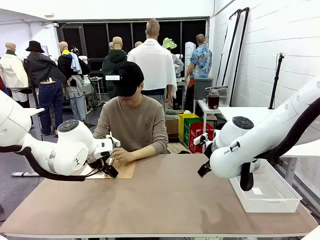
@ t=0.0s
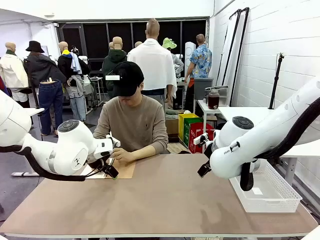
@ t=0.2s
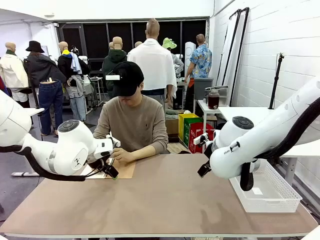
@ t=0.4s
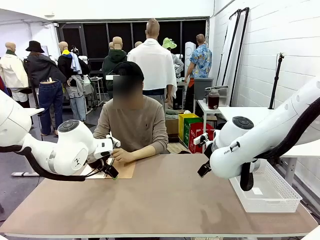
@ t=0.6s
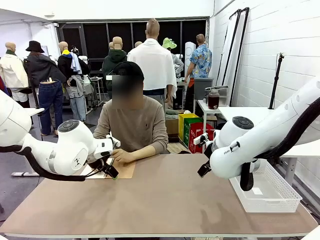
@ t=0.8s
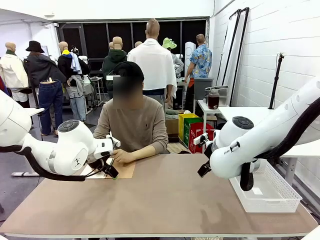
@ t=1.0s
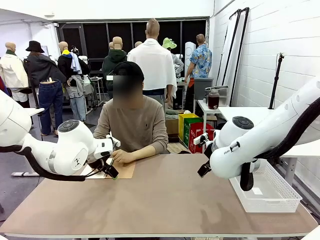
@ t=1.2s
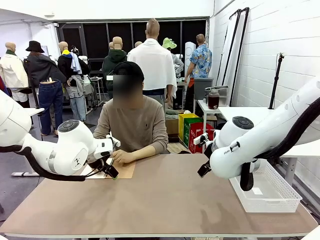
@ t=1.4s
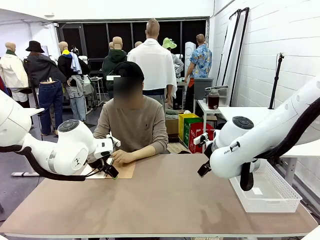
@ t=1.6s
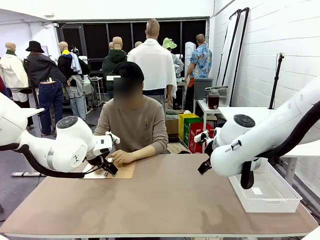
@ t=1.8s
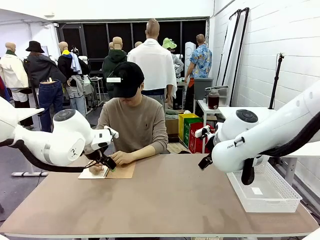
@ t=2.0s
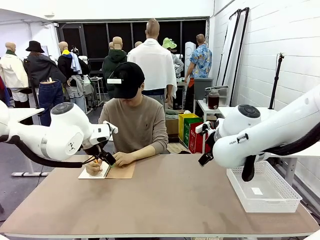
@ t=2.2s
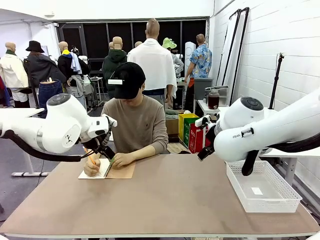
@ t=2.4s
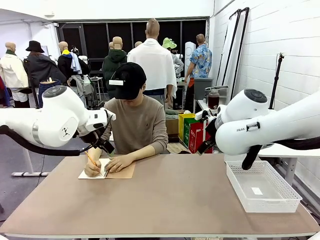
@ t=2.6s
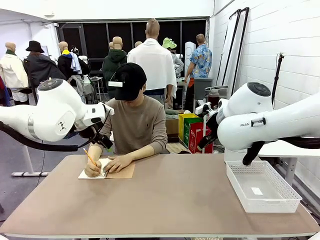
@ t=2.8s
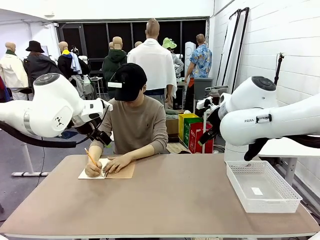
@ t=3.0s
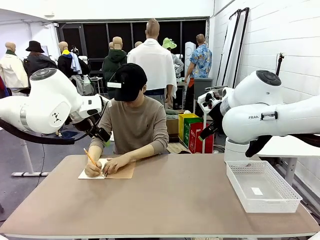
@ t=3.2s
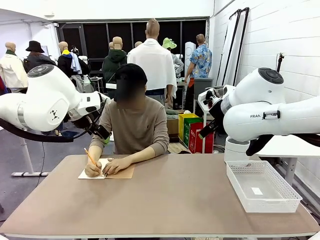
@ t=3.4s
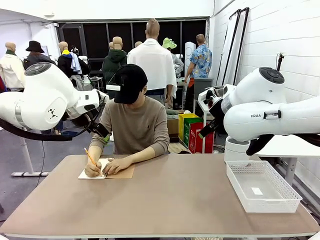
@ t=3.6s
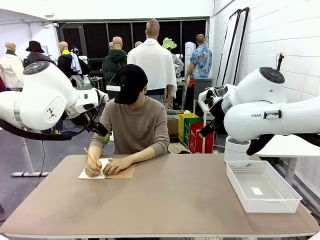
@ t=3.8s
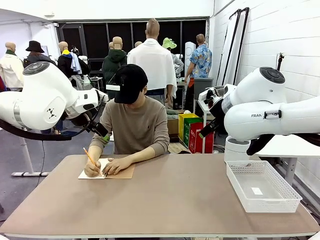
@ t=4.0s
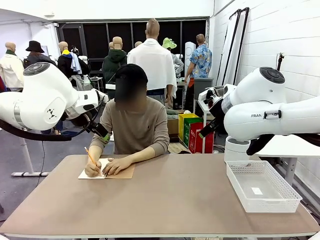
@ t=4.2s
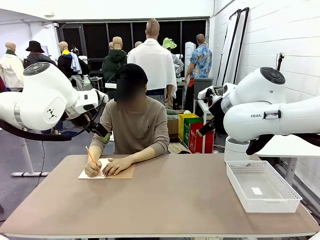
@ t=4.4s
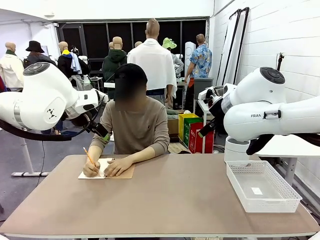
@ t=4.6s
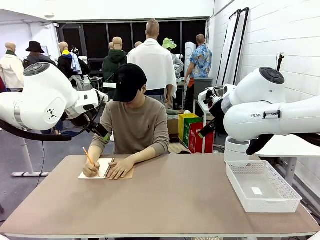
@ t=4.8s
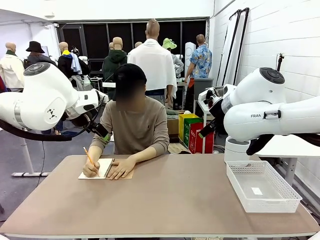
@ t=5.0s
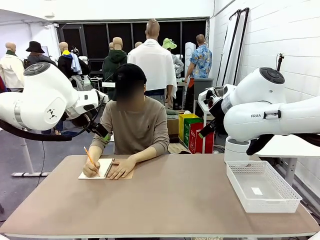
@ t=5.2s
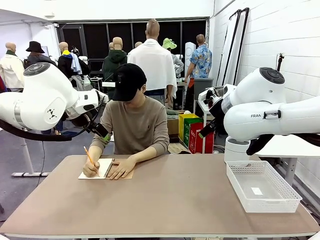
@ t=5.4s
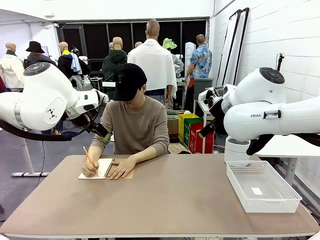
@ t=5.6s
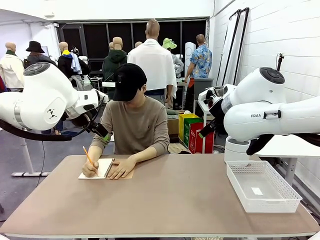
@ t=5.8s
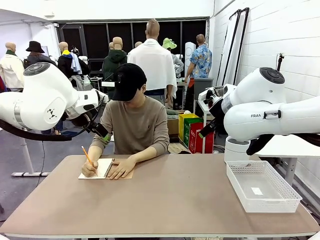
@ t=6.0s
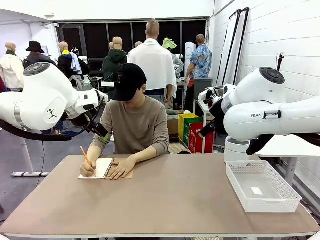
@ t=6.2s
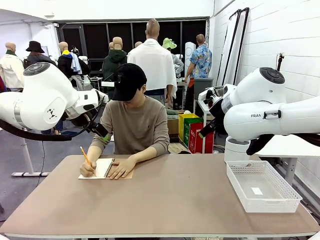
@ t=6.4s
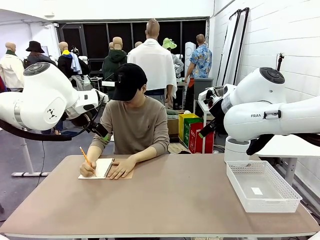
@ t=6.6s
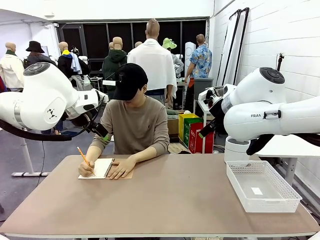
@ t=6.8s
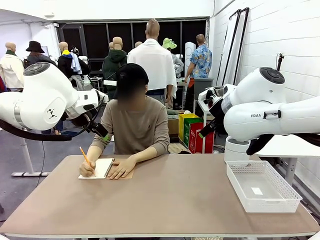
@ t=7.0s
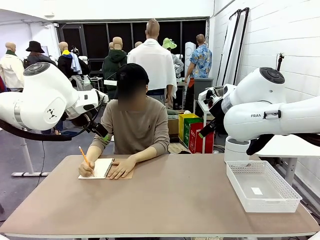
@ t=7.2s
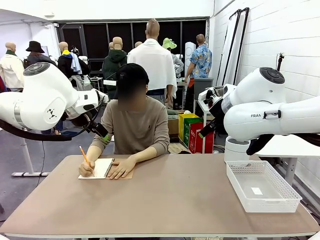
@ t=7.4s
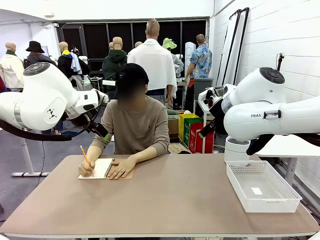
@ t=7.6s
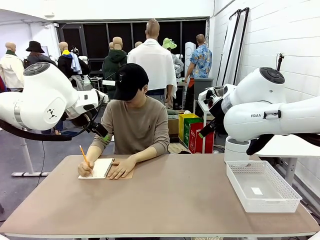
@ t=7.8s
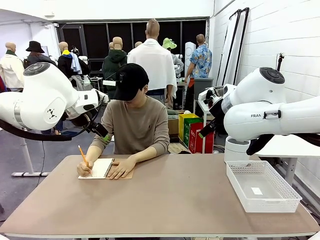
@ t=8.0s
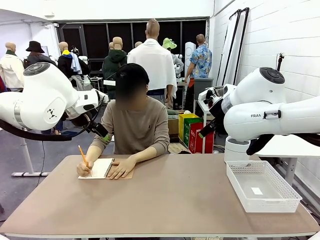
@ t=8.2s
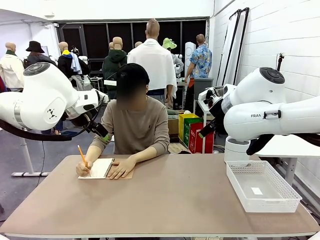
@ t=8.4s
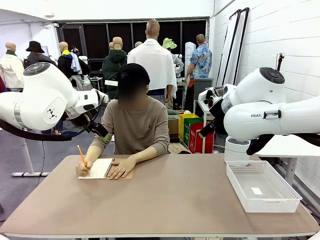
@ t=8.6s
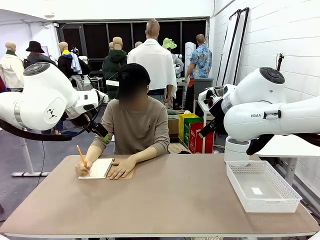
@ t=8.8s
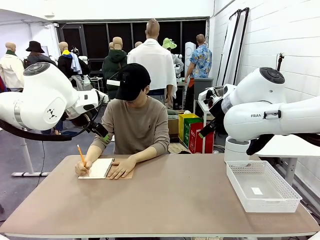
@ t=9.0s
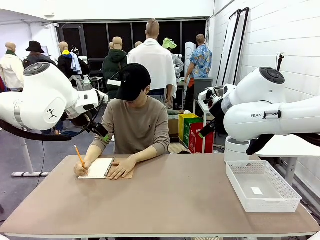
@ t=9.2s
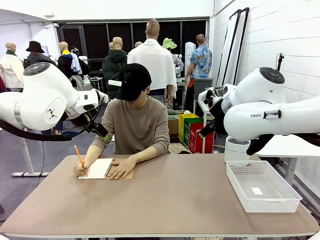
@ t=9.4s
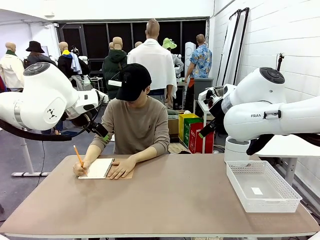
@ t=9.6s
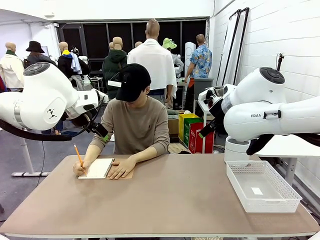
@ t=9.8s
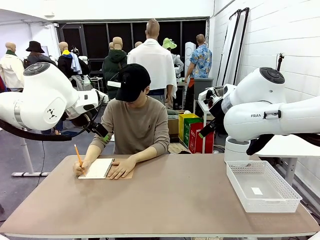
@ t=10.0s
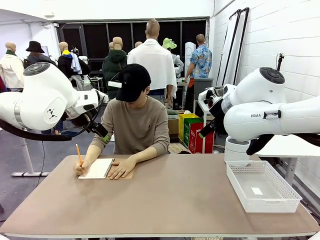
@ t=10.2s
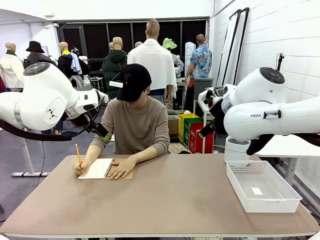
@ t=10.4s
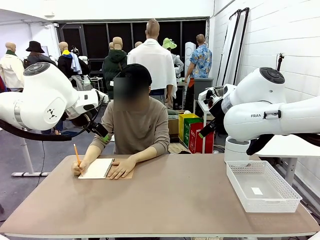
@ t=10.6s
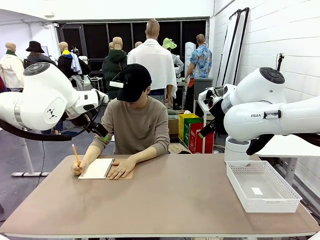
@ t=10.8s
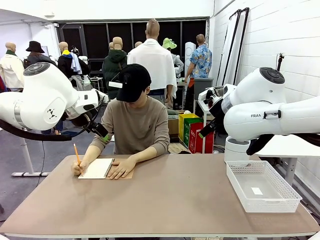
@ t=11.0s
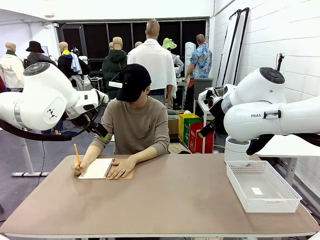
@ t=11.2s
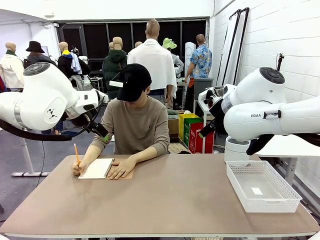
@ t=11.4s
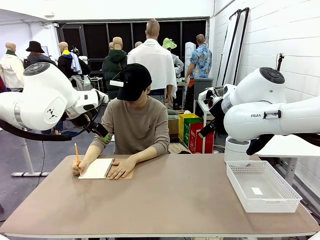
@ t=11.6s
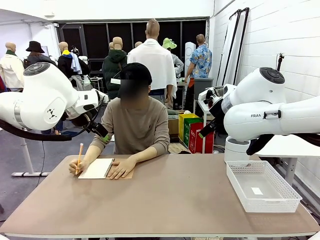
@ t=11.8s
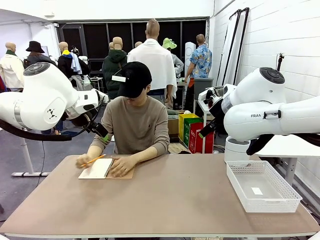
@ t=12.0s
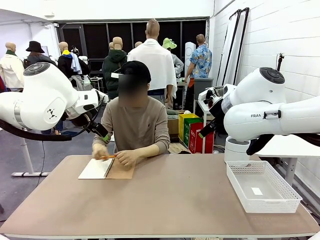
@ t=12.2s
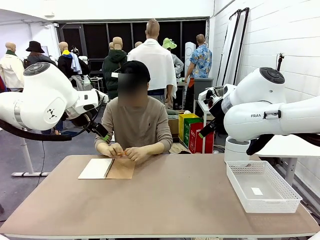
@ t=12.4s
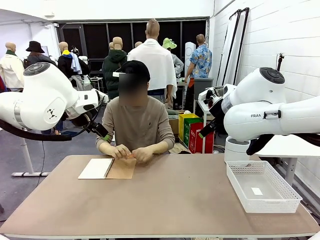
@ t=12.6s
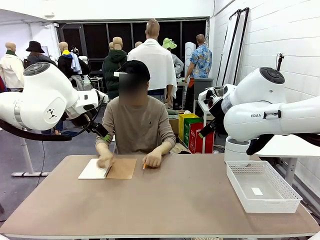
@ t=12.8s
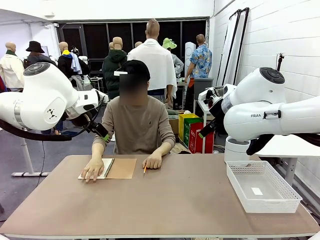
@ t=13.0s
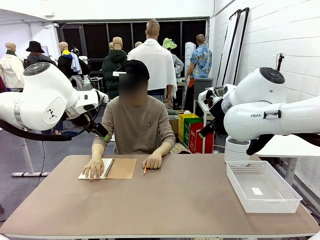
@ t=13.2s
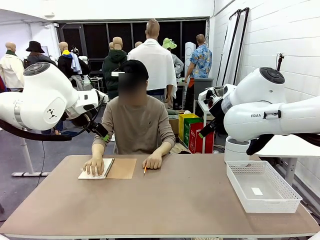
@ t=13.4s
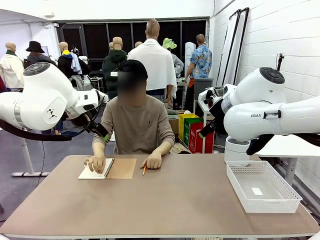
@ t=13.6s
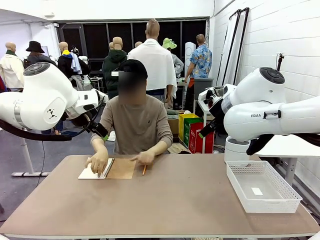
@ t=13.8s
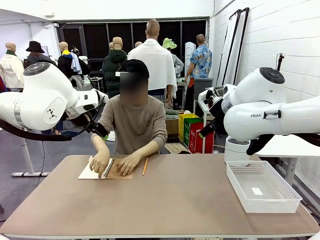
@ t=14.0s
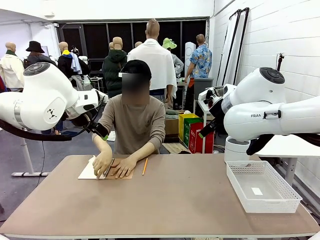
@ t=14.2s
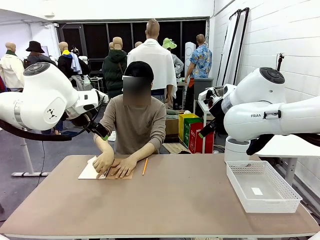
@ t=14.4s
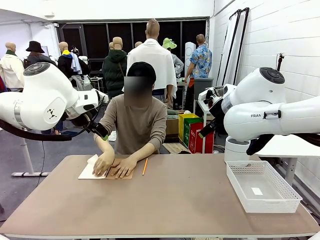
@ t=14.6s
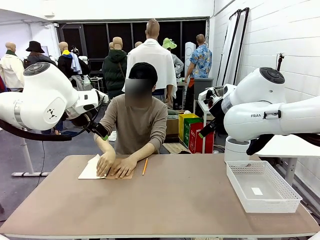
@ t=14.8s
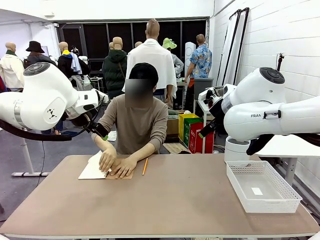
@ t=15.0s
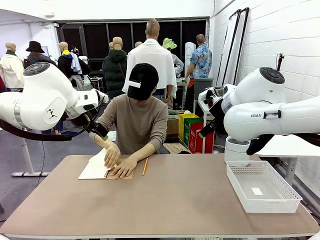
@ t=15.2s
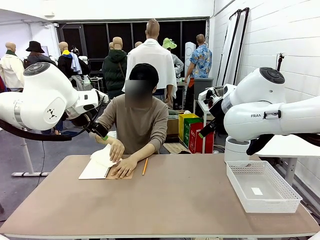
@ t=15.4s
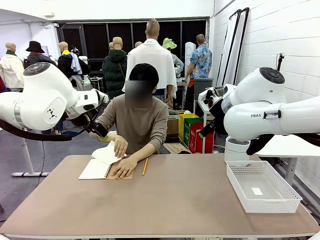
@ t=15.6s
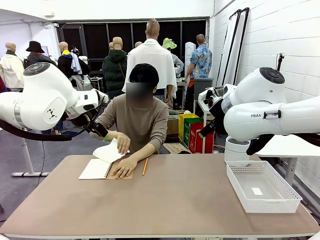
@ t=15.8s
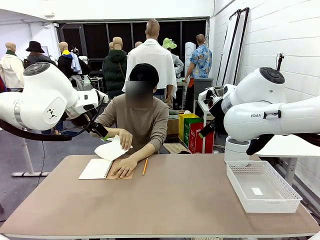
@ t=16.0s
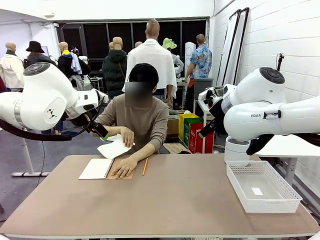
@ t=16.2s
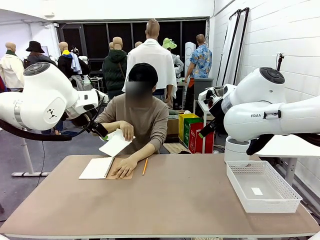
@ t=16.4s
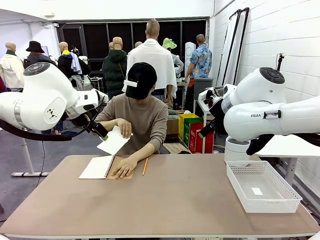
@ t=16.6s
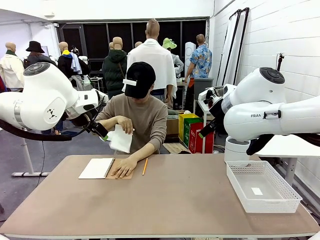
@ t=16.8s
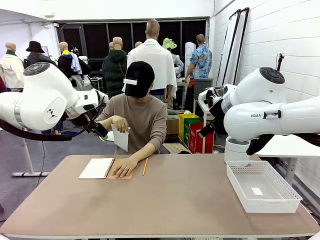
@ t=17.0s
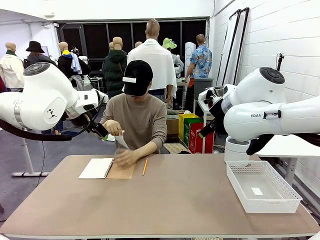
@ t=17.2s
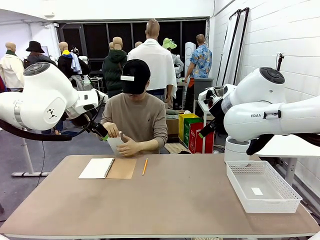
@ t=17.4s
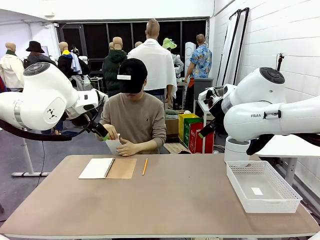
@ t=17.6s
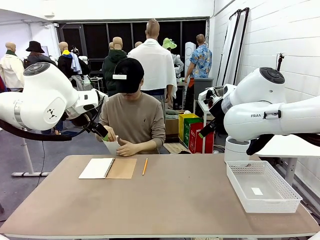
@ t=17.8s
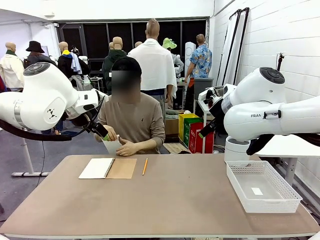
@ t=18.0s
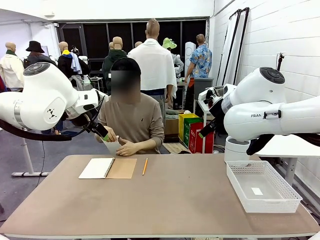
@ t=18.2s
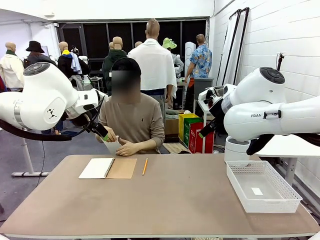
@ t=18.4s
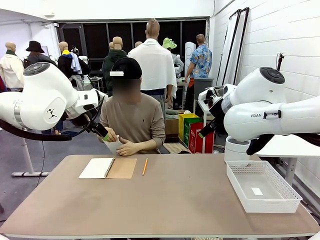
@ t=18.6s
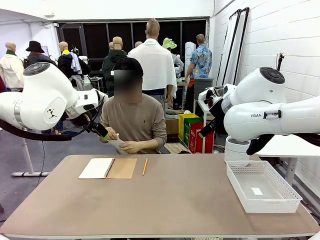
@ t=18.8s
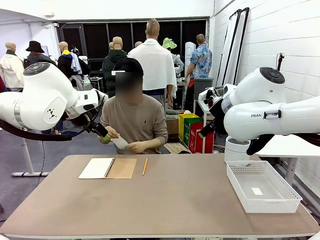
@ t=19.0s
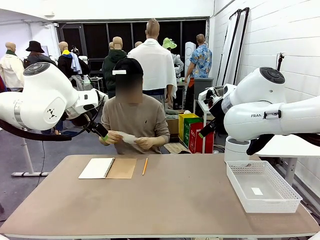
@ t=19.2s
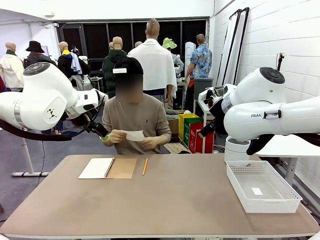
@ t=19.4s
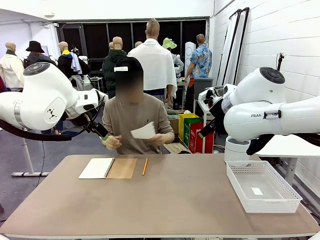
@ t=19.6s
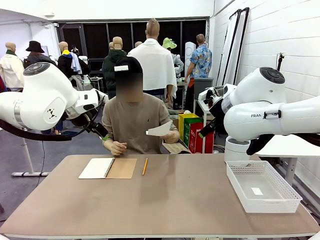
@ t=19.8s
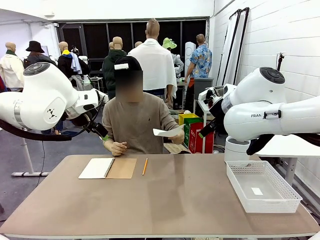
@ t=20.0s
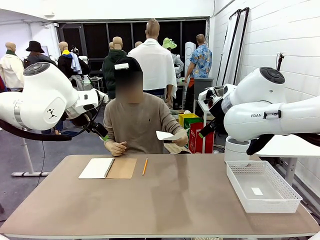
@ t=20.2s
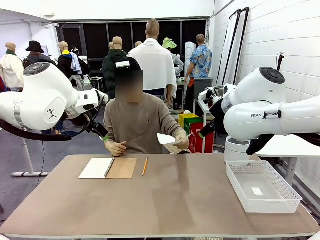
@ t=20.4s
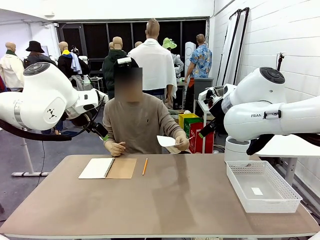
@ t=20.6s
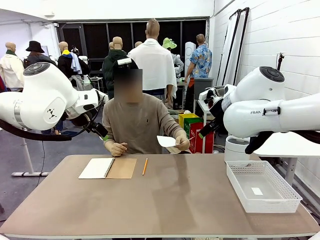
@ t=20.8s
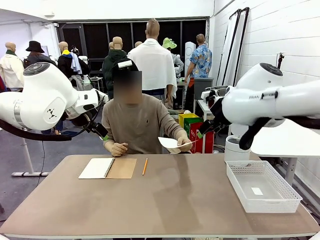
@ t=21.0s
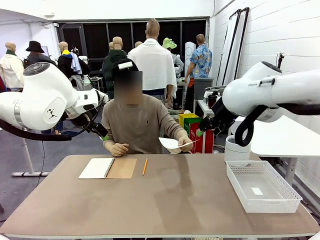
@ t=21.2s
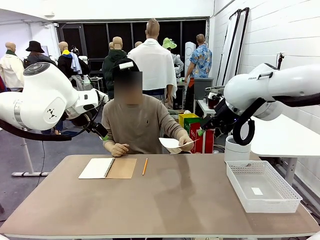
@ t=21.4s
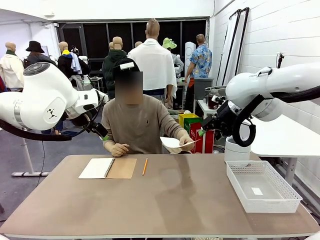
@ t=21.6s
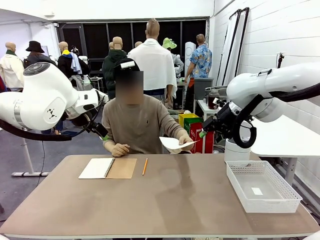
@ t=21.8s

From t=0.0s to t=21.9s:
Task: Sort the paper based on its condition.
Robot: If a person hands you a paper, place it in the Organizing basket , and if it's crumpled, put it in the Trash can.
Person: Tear out a page from the spiral notebook. Hand the torn page to the robot or crumple it and throw it to the center of the table.
